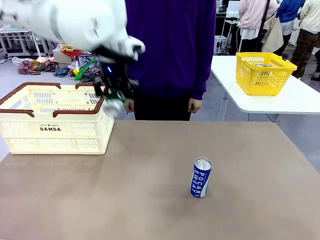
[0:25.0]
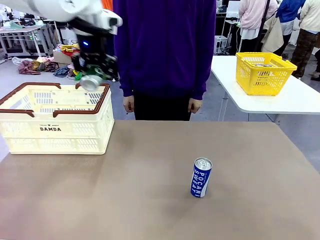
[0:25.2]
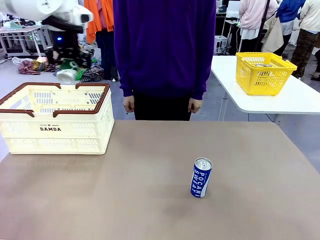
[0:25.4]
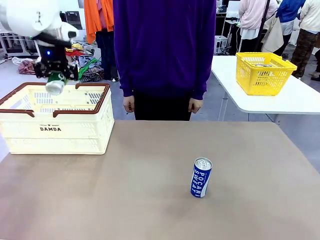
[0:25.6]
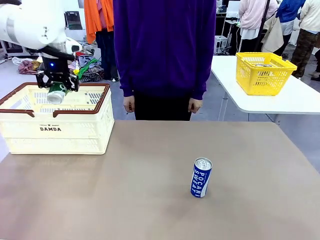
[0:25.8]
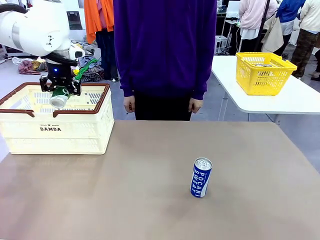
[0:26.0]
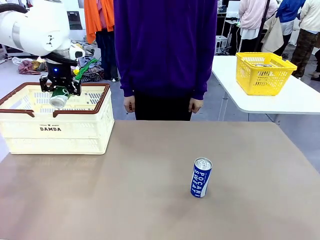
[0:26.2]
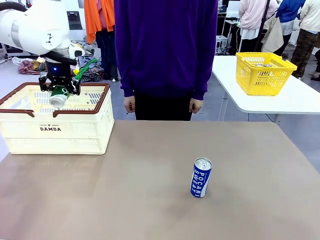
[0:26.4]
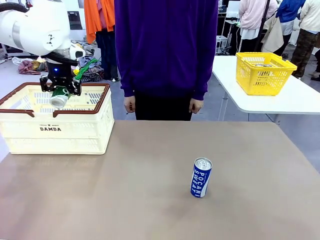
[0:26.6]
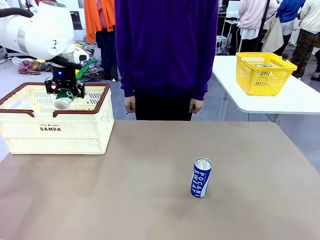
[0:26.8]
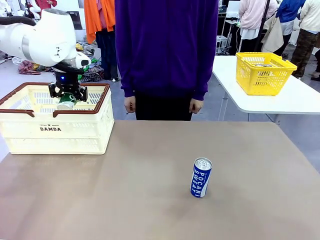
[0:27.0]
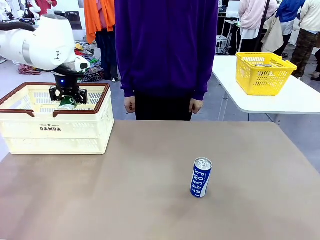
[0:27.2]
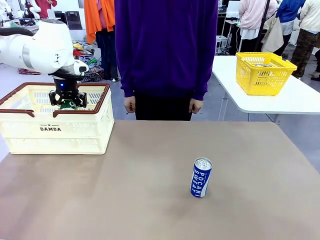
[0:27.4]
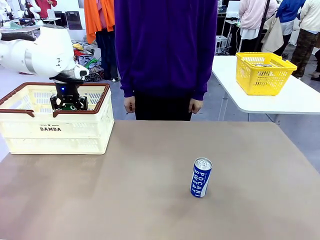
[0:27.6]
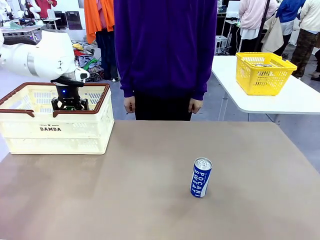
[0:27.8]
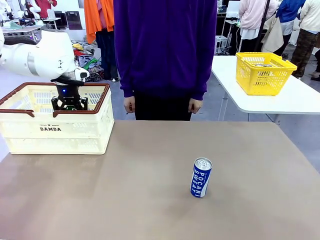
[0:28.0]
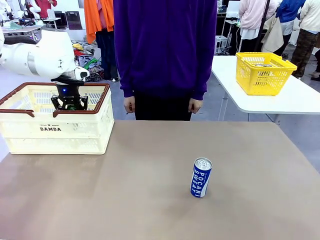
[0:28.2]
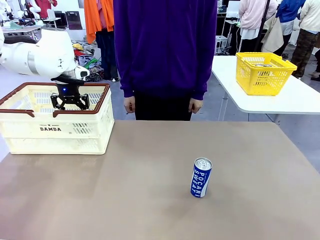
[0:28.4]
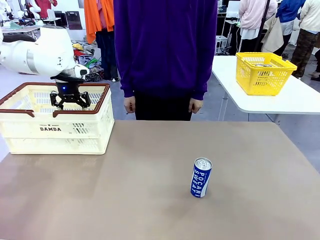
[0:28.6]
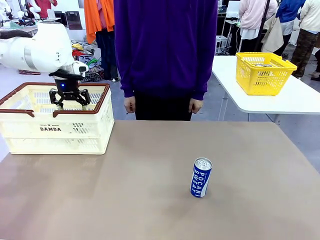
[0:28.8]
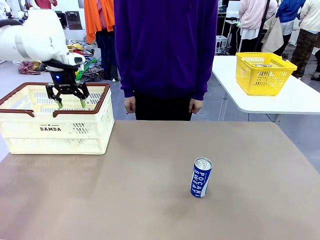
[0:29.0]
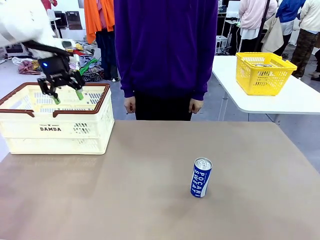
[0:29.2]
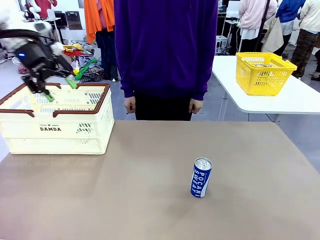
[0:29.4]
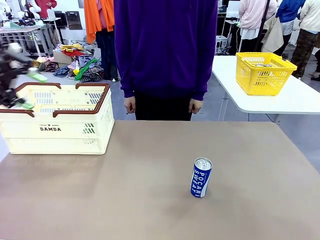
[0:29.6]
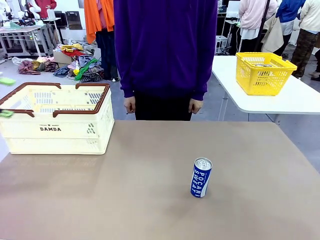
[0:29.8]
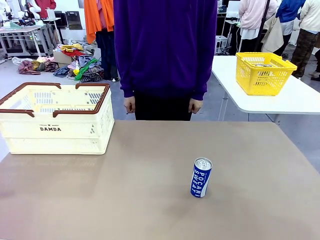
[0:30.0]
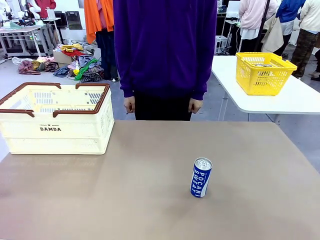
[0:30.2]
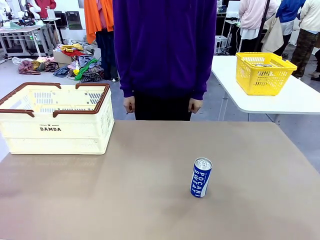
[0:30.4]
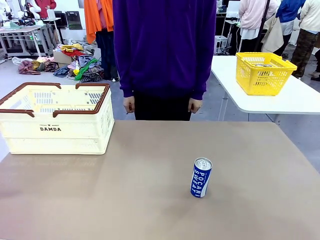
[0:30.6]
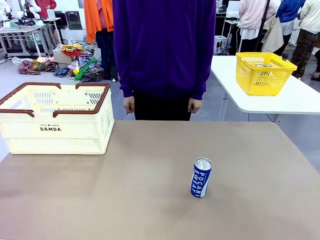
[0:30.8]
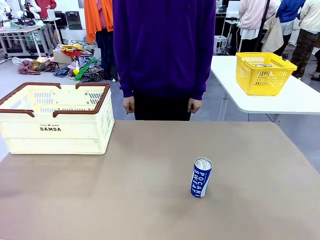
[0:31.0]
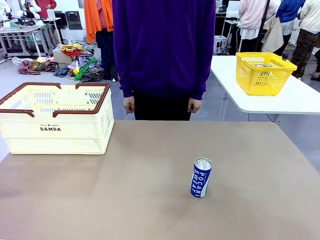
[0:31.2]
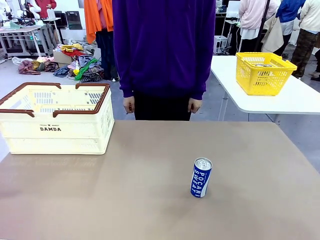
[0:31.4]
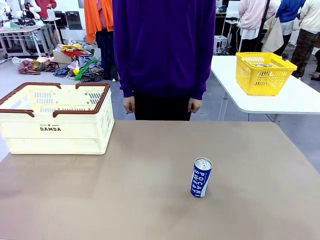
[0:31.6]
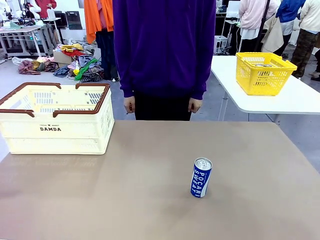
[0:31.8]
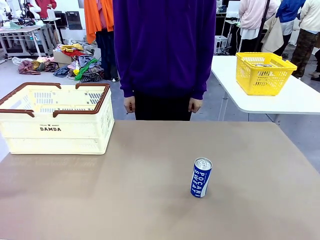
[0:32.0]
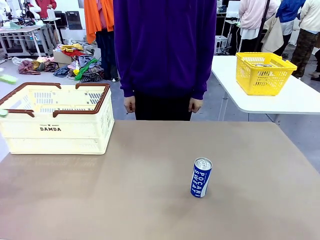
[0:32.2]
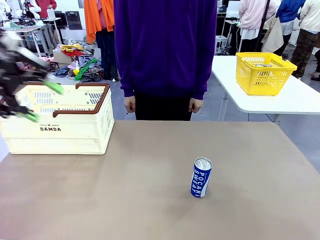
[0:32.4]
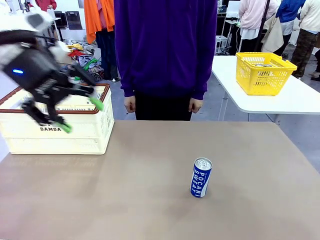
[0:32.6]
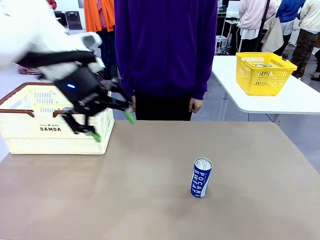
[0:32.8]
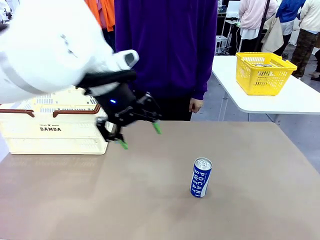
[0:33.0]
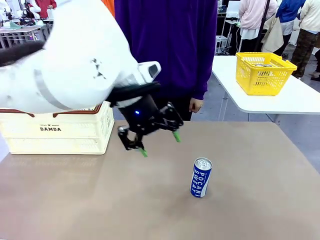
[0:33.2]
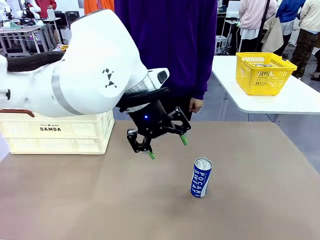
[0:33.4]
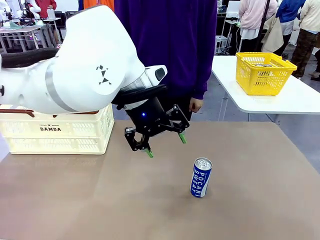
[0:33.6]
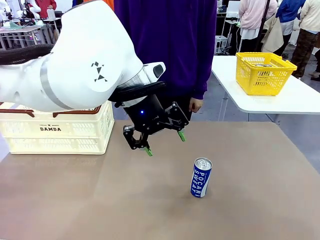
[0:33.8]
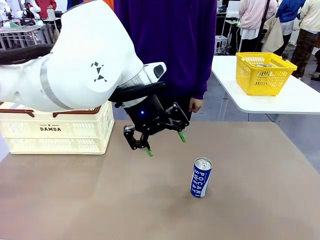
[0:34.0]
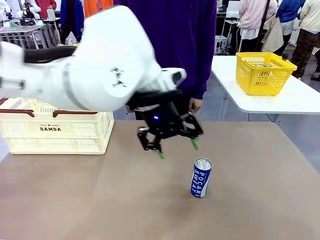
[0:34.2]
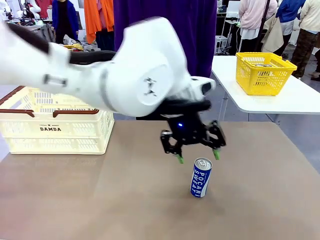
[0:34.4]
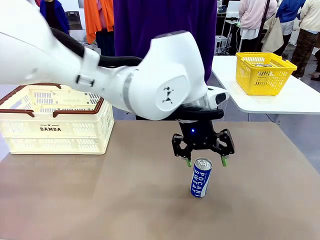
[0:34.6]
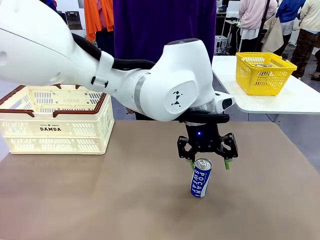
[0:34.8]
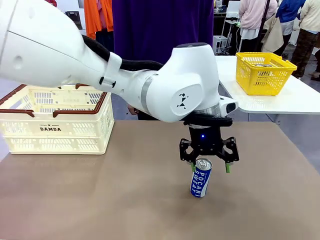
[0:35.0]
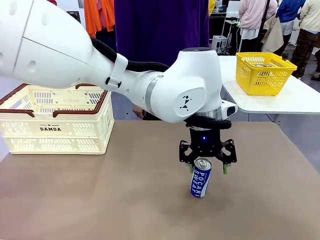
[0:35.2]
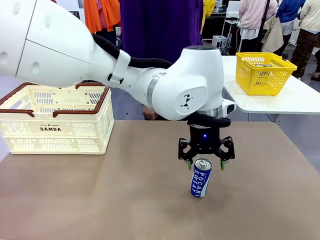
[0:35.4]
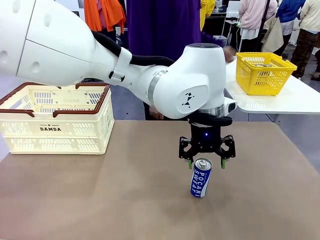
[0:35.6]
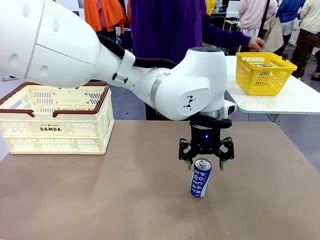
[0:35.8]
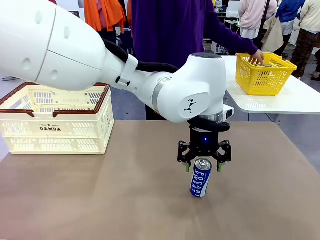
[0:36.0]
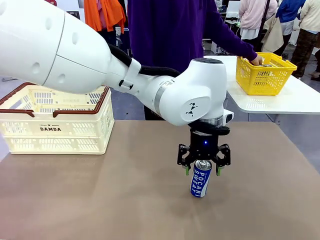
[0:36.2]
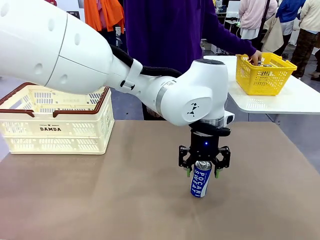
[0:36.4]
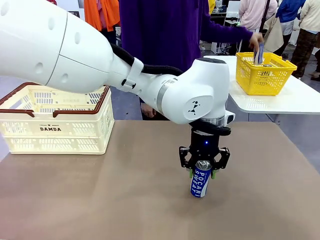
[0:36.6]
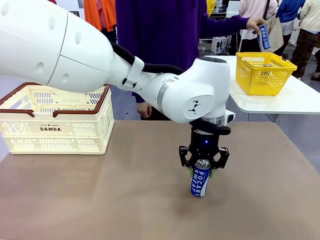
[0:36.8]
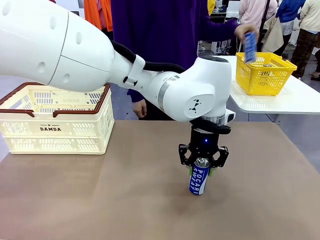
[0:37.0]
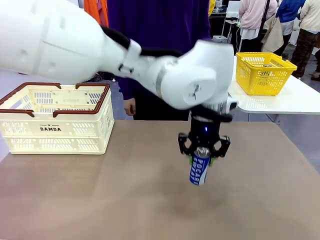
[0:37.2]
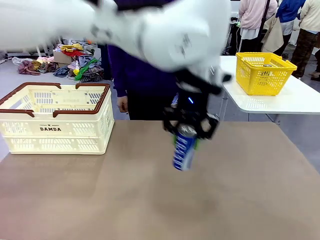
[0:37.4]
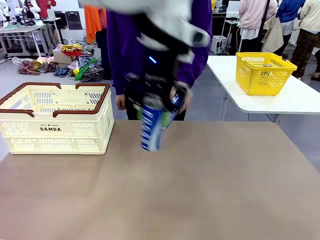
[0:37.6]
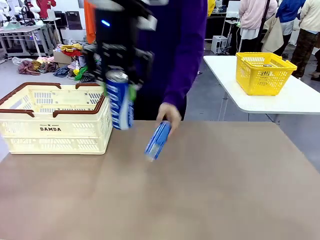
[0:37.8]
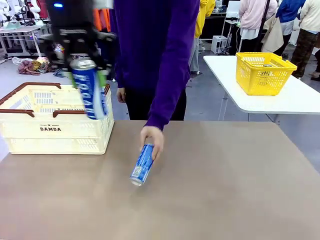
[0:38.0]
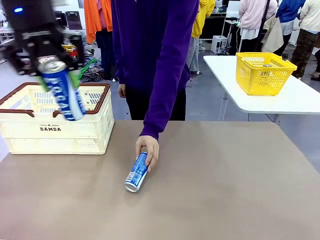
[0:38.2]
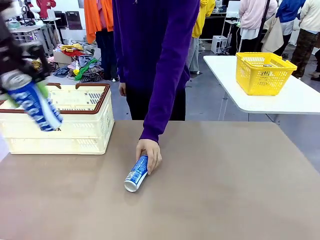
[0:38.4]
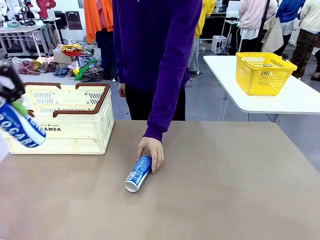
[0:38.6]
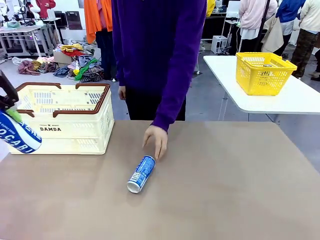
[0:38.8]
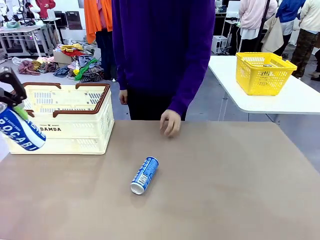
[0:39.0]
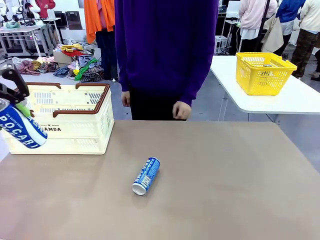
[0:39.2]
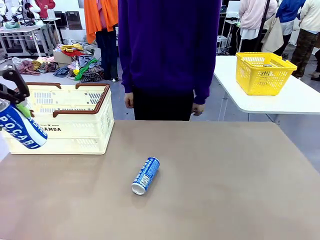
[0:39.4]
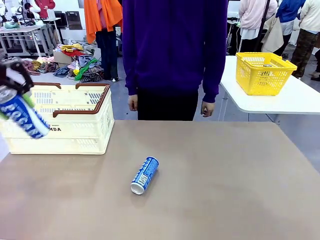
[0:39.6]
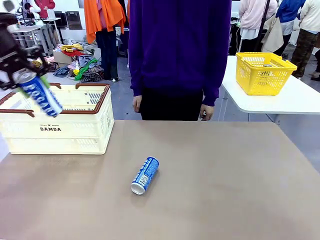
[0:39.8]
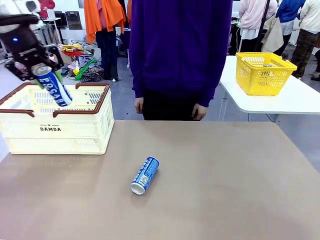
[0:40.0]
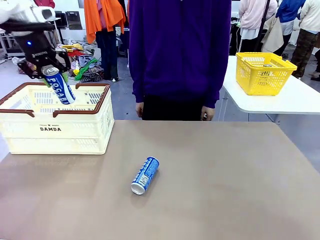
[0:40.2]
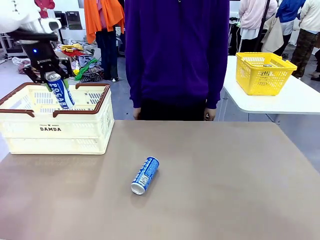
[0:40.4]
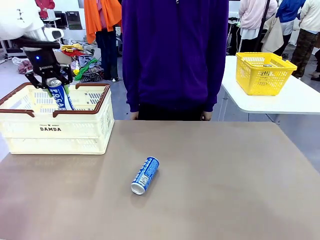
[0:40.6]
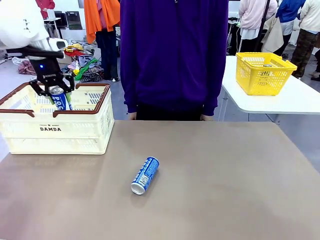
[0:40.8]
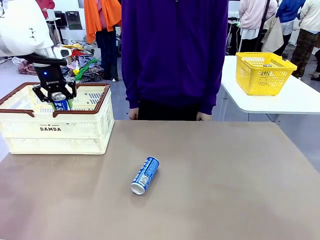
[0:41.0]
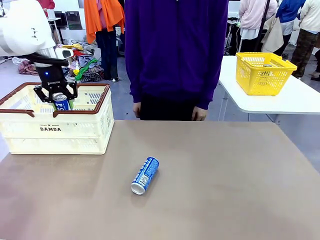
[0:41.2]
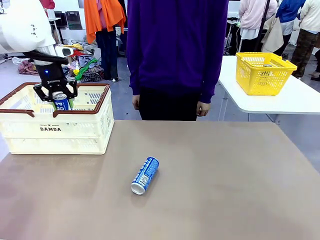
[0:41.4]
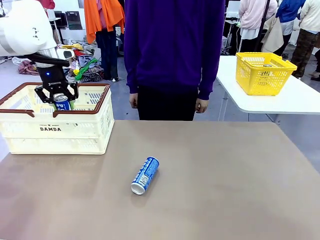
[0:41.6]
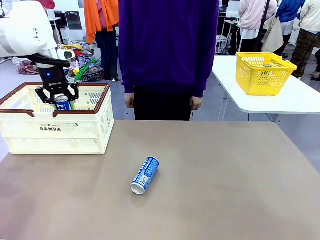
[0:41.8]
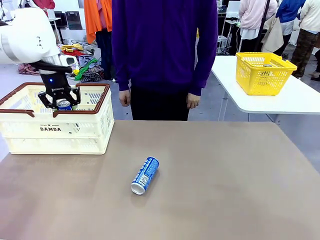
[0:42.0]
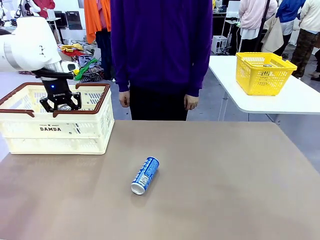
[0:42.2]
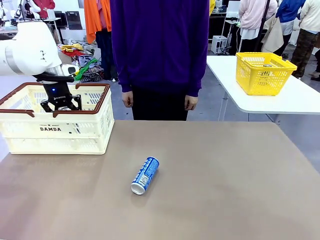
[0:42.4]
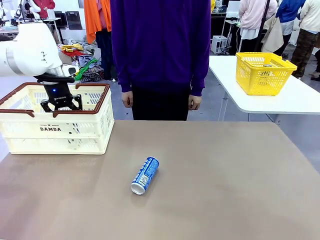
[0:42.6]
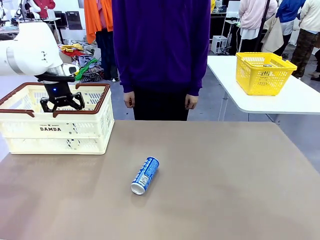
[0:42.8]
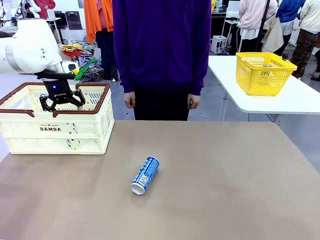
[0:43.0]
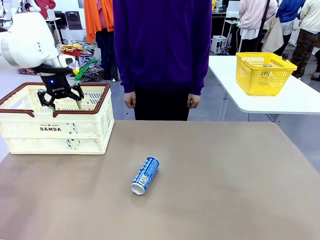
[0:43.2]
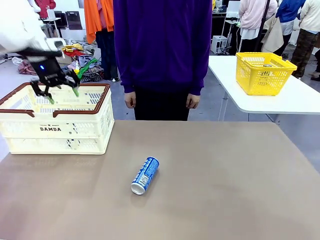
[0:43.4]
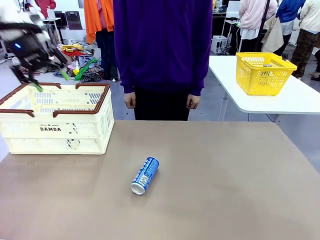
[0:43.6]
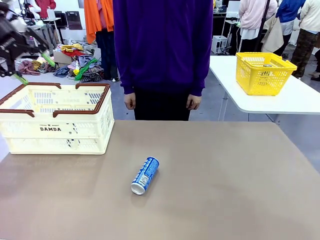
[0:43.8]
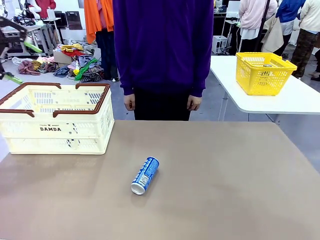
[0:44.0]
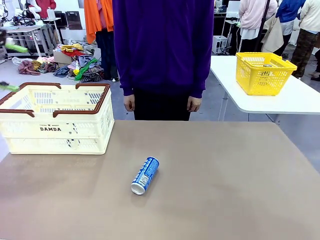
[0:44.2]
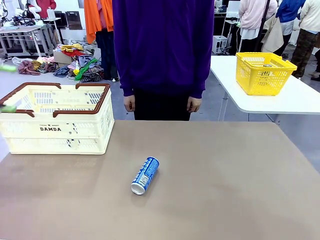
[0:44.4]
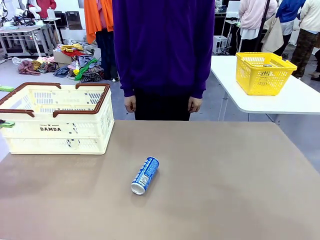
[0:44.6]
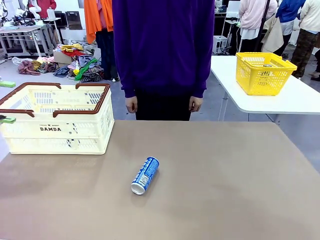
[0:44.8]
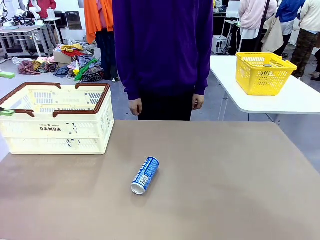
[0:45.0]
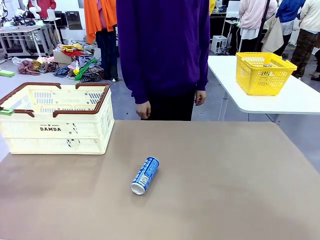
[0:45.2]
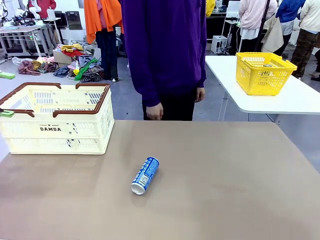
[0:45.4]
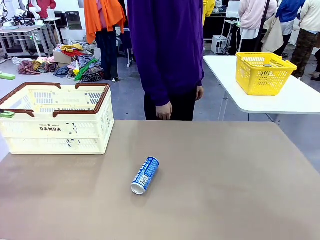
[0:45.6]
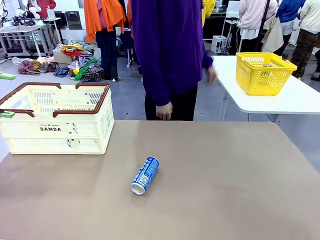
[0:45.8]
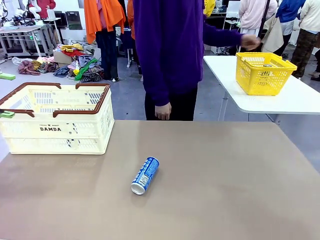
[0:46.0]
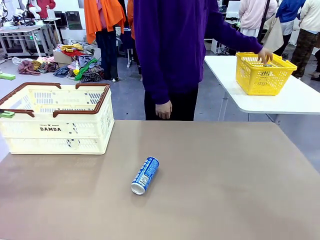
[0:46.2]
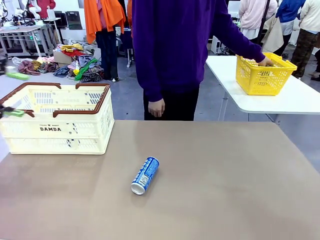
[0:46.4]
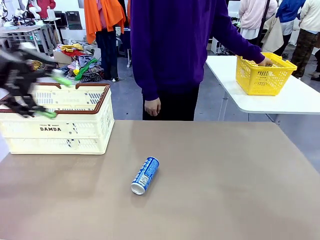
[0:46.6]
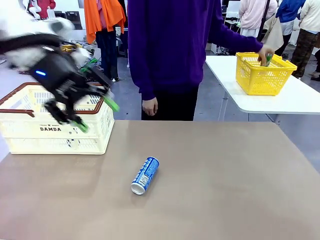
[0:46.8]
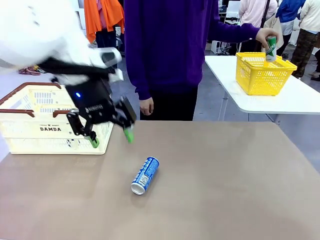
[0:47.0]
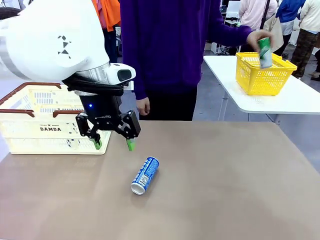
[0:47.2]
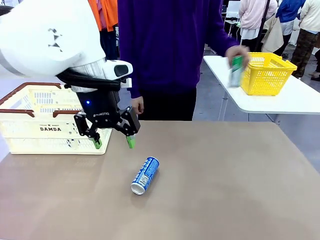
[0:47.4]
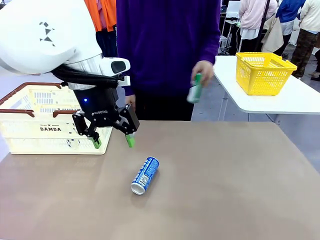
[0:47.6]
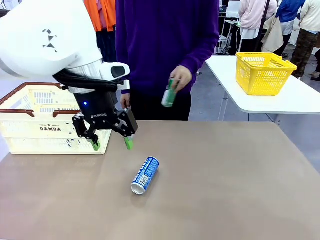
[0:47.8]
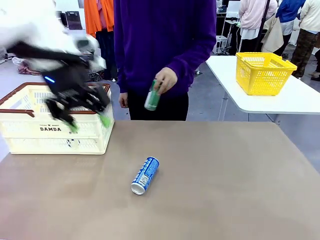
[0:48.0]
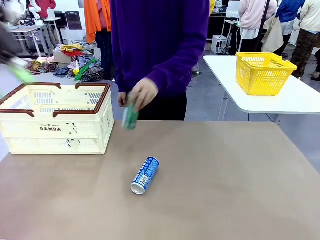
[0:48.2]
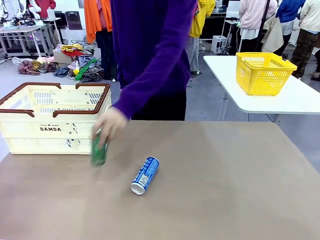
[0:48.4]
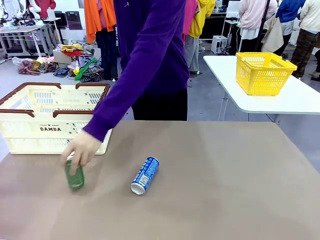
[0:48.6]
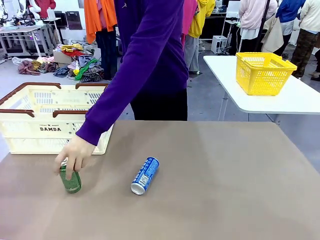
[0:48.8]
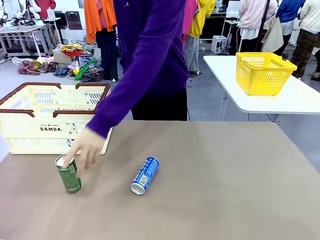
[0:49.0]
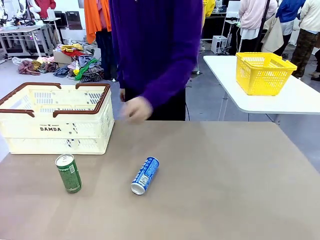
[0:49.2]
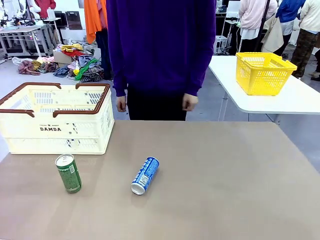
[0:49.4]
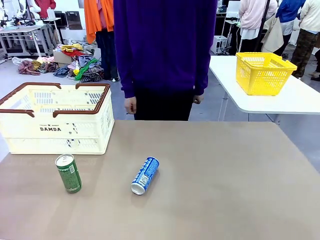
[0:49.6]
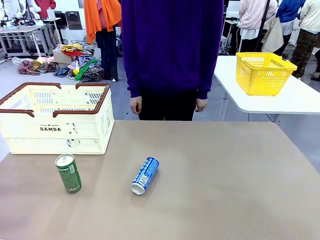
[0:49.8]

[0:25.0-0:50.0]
Task: Place the drinks into the Shopping basket.
Robot: Pick up one drink and place it into the Shopping basket.
